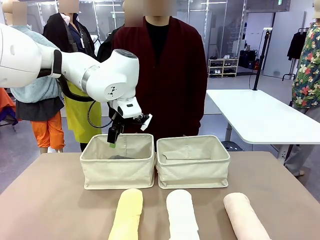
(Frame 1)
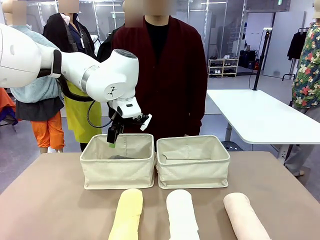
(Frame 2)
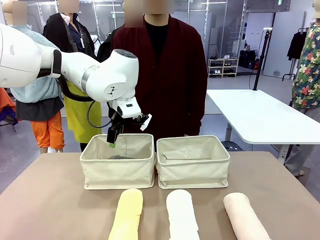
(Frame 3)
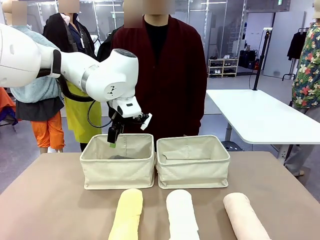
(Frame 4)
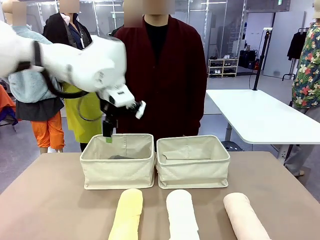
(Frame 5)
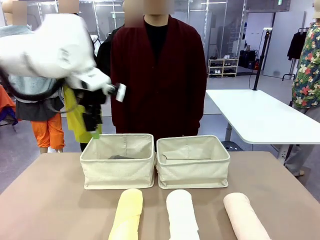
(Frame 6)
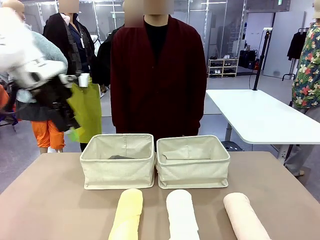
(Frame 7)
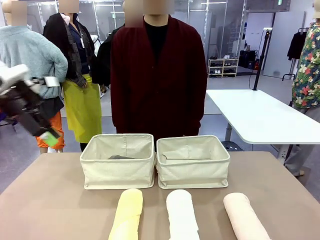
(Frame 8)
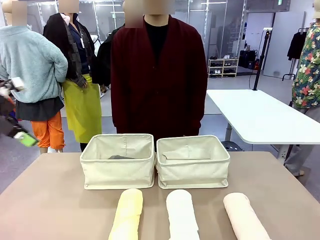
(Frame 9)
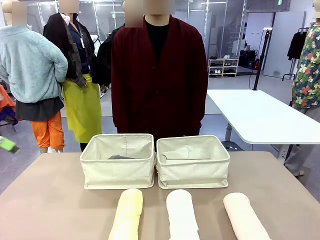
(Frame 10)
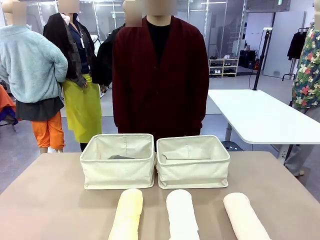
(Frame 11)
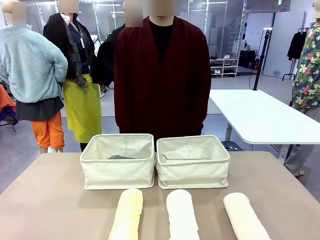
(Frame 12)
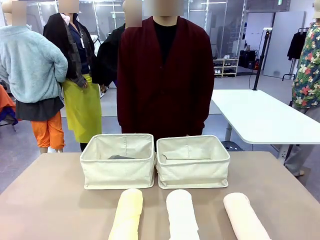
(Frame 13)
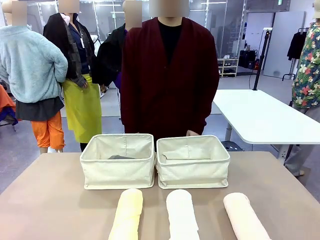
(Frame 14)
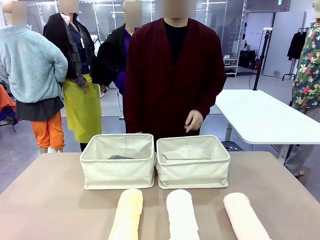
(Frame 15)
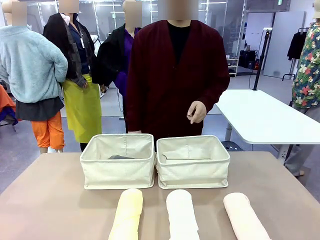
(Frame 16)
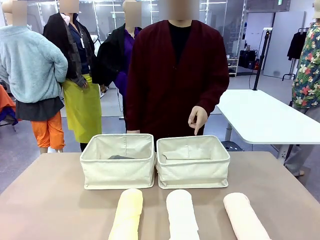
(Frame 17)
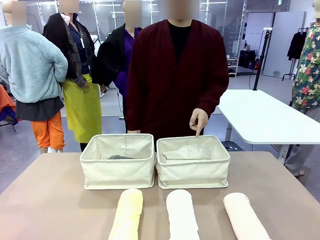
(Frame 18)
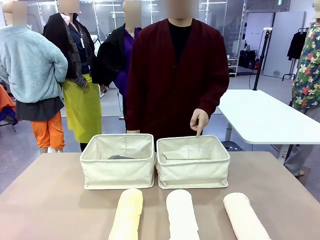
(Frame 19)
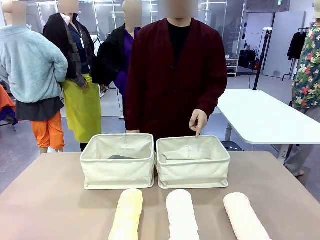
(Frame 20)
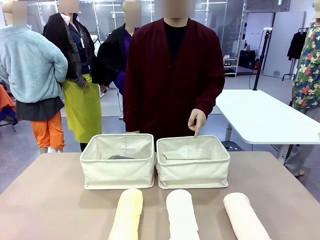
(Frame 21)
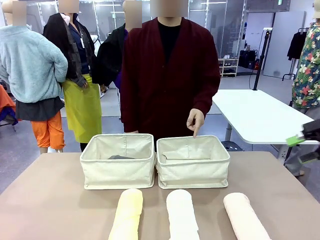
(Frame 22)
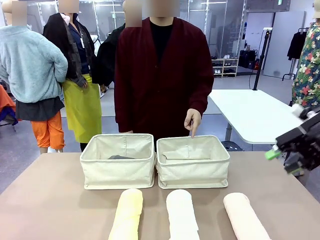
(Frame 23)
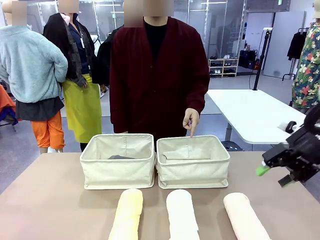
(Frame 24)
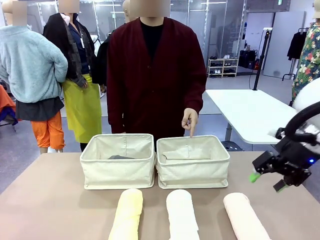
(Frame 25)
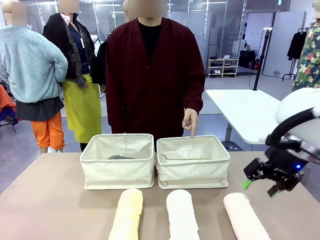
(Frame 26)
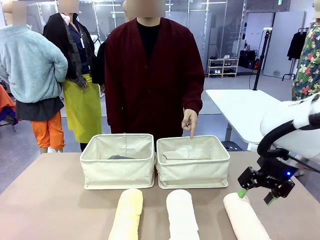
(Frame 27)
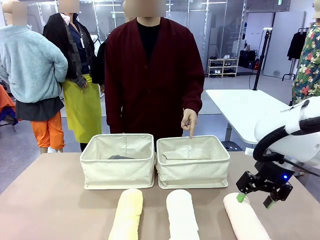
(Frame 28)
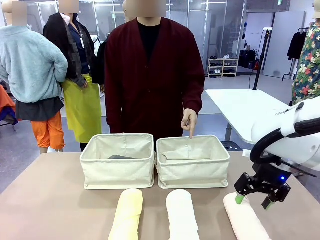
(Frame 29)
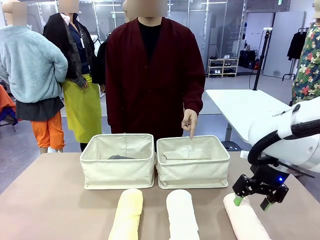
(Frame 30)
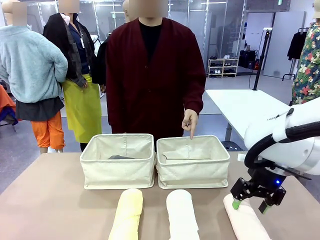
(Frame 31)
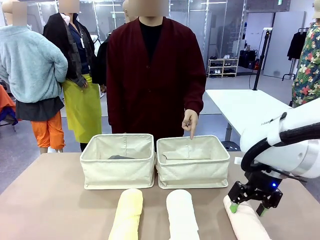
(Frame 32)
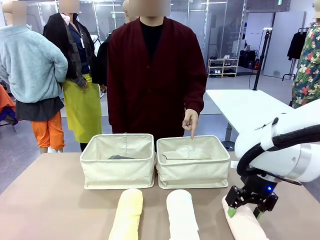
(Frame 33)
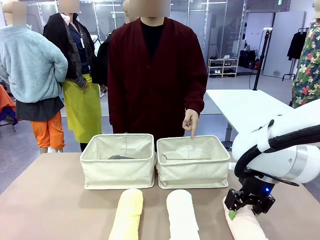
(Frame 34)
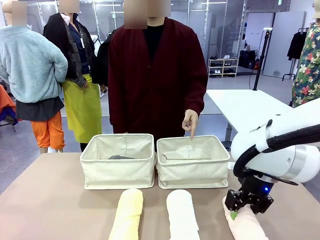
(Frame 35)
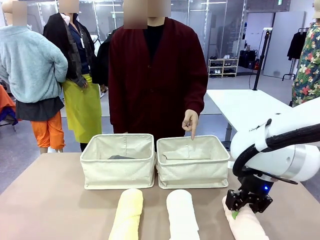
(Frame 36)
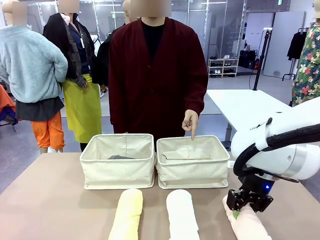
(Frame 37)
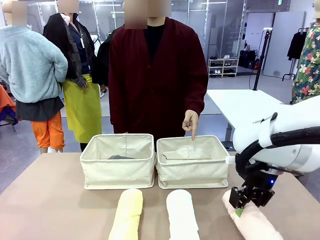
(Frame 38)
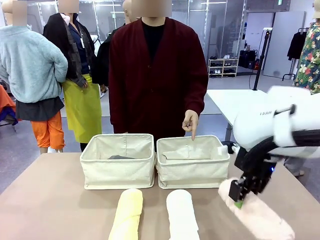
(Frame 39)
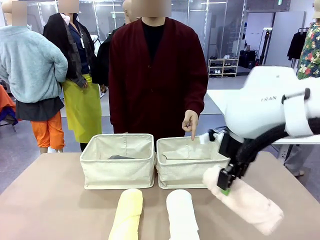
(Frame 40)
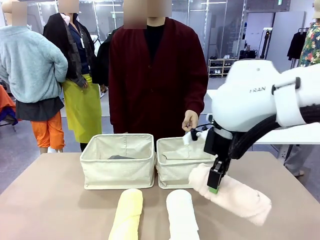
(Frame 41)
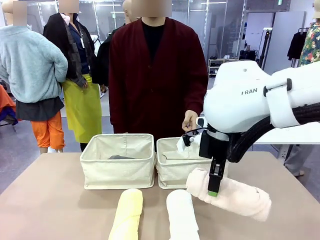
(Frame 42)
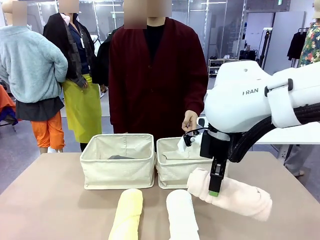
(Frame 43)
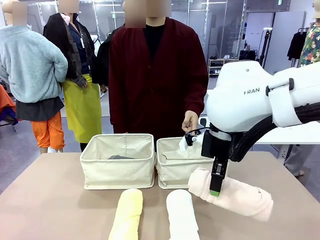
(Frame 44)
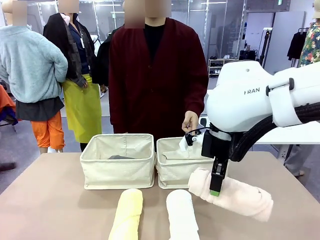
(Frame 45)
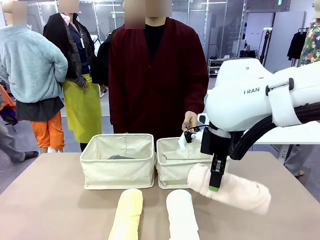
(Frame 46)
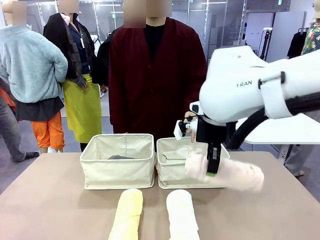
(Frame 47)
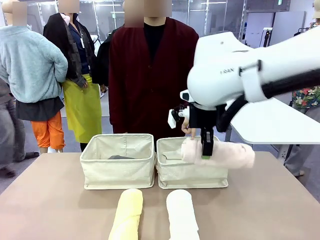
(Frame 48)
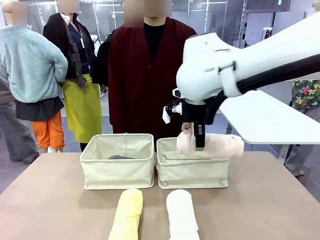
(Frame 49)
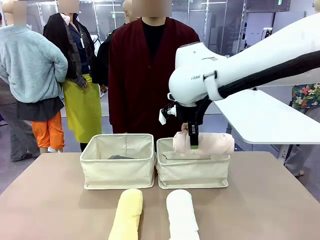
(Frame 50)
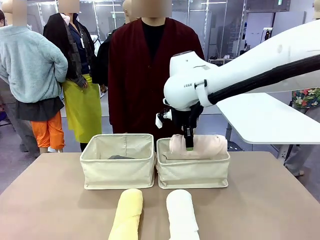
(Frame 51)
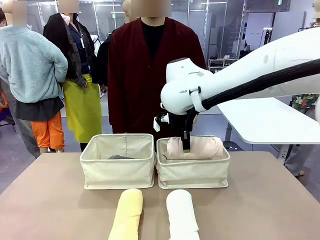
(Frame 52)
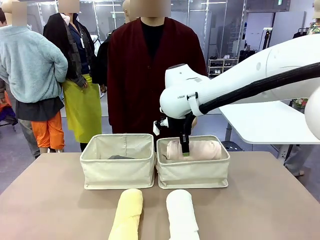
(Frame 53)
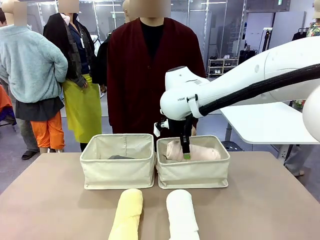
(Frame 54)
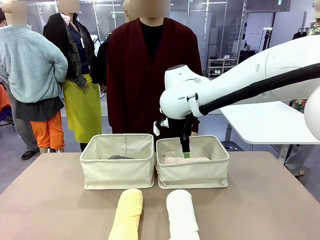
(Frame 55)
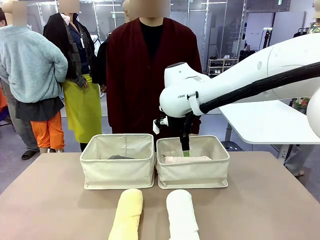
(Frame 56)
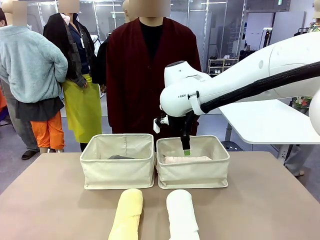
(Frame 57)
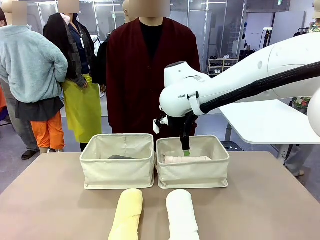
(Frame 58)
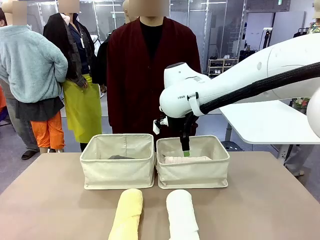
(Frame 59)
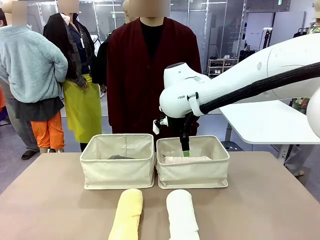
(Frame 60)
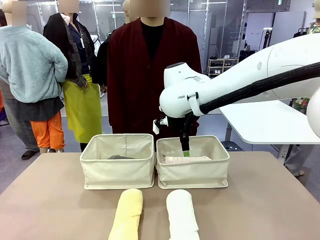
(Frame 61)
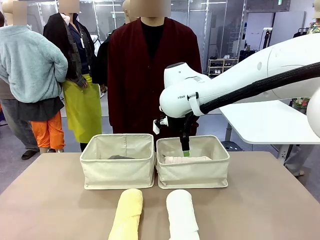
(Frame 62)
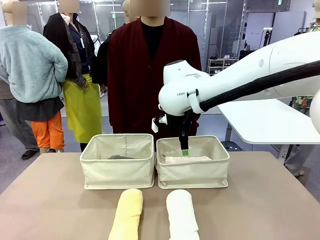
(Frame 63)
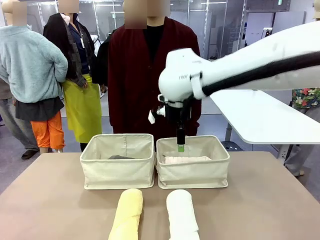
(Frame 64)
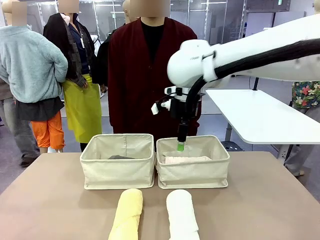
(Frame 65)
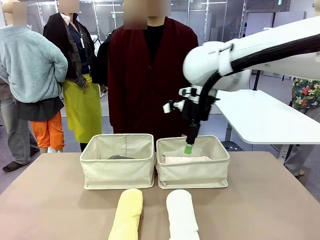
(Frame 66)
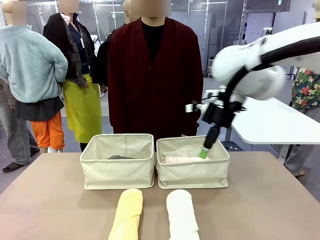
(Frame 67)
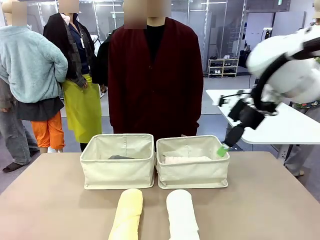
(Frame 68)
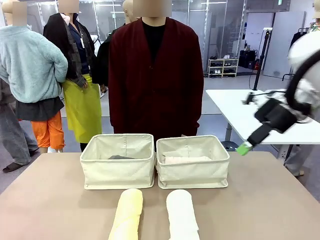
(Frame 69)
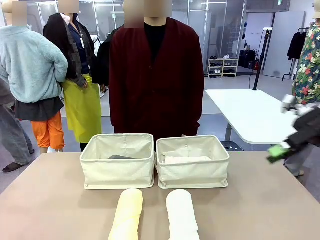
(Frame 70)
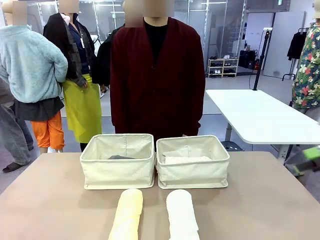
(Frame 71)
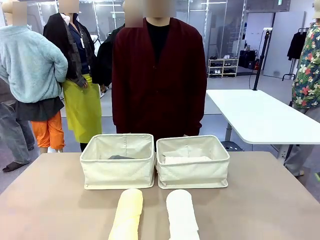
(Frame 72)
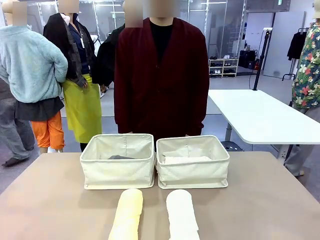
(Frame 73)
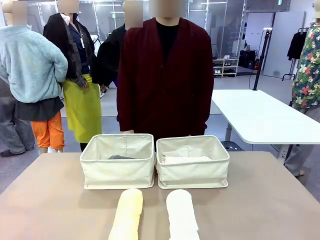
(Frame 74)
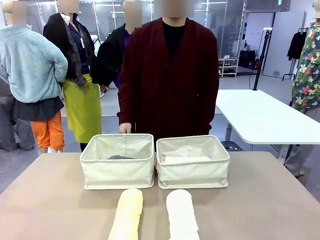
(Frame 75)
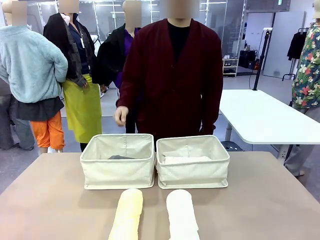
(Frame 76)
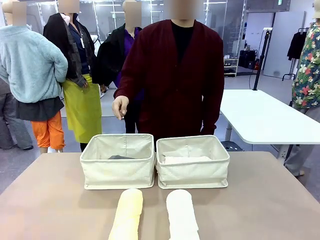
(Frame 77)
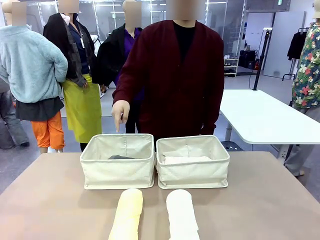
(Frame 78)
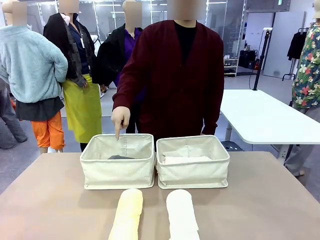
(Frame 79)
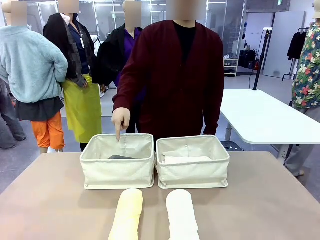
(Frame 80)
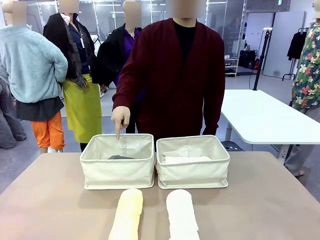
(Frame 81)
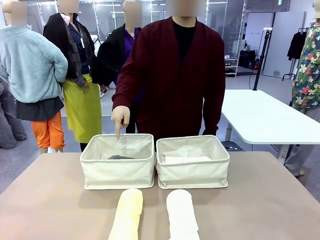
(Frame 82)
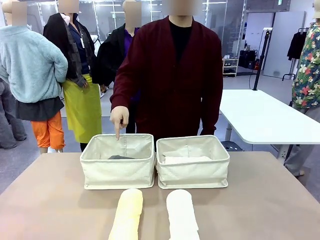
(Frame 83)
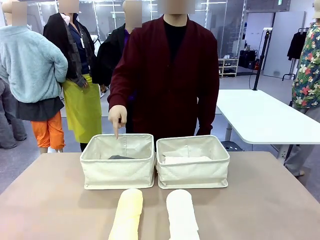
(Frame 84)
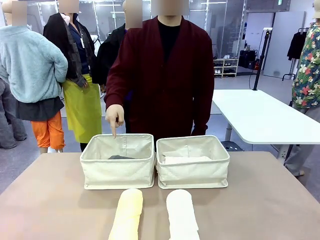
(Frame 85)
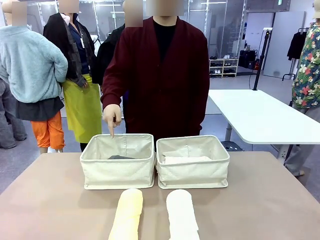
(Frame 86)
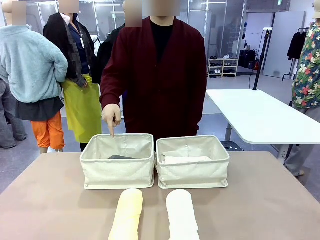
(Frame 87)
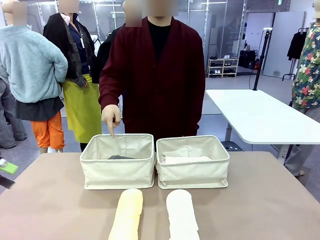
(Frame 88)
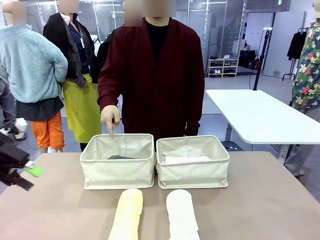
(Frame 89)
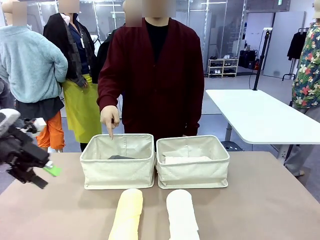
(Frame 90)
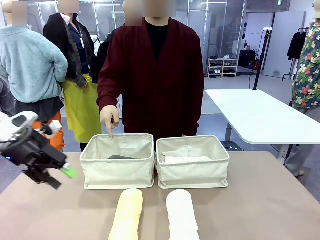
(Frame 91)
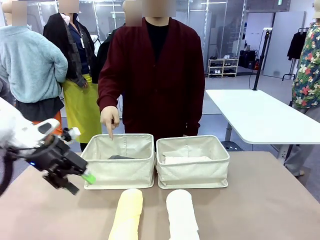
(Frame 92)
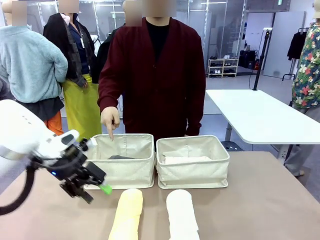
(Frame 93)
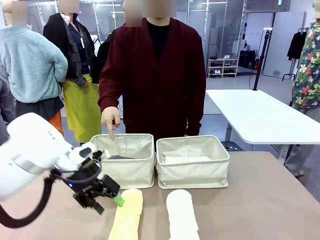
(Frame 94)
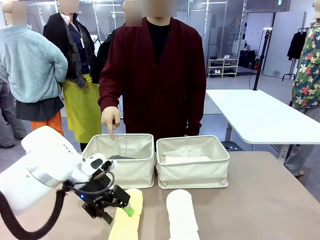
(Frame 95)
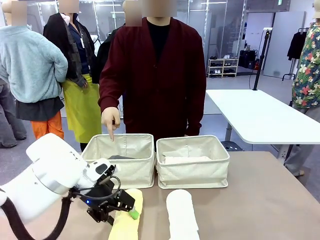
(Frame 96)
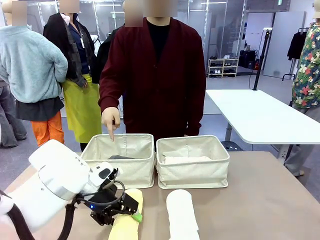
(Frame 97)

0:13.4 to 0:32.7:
Task: Divide the towels into two baskets.
Robot: Pick up one hotel-folded towel from the bottom of the table and place it in the Fabric basket indicated by the person.
